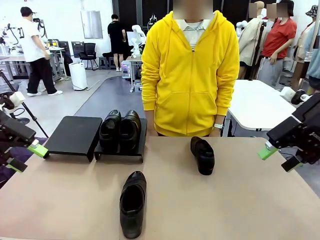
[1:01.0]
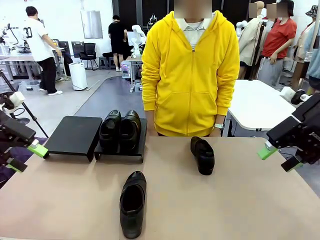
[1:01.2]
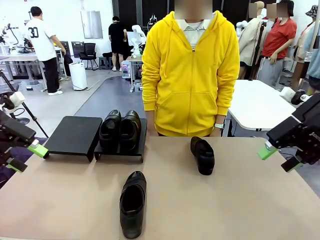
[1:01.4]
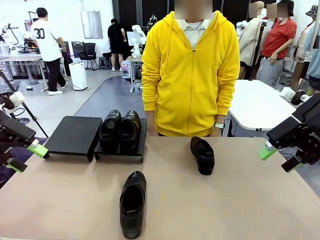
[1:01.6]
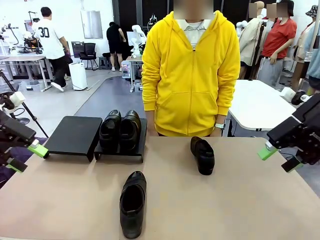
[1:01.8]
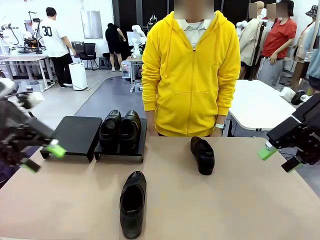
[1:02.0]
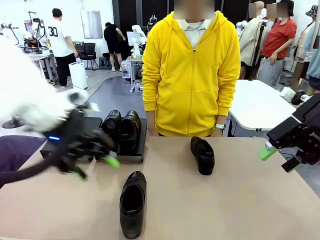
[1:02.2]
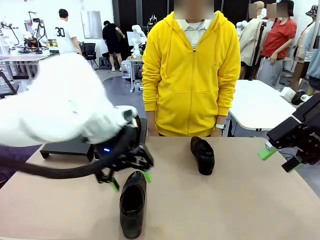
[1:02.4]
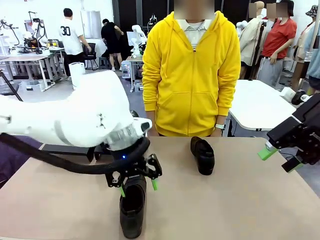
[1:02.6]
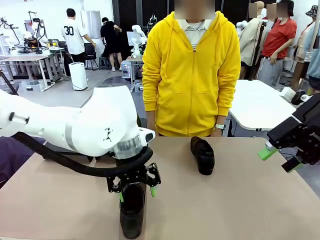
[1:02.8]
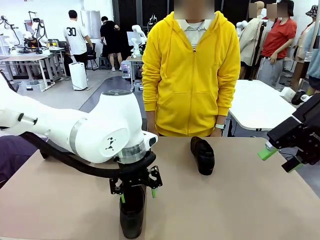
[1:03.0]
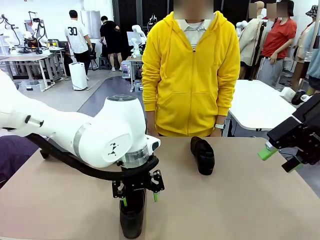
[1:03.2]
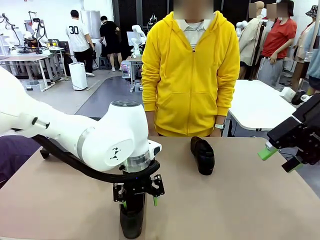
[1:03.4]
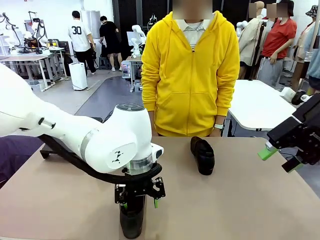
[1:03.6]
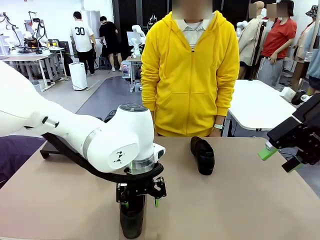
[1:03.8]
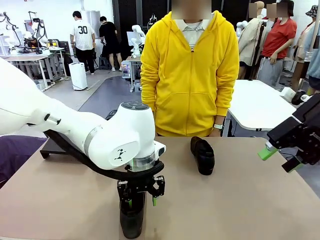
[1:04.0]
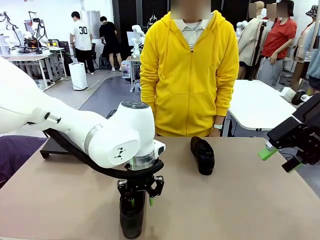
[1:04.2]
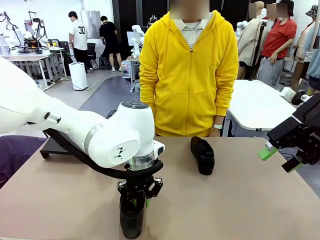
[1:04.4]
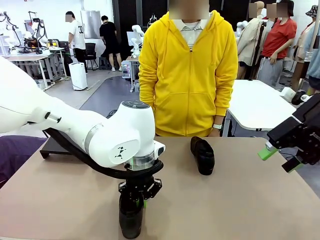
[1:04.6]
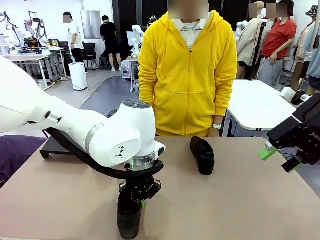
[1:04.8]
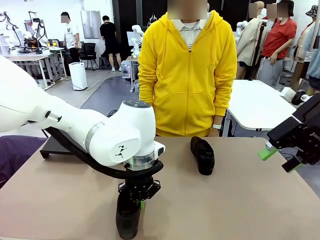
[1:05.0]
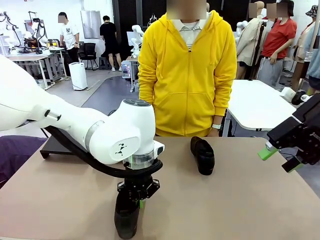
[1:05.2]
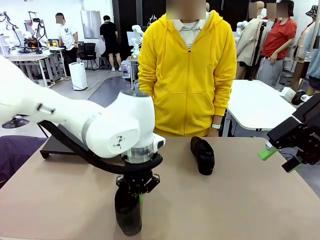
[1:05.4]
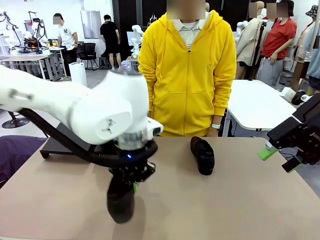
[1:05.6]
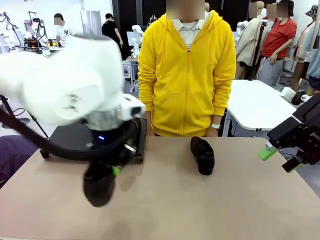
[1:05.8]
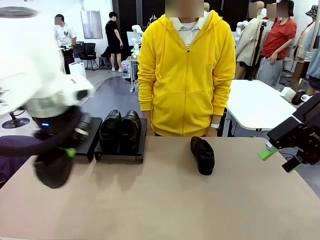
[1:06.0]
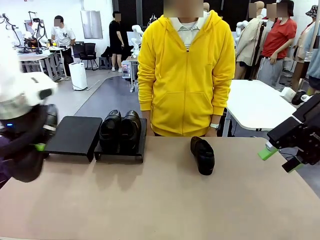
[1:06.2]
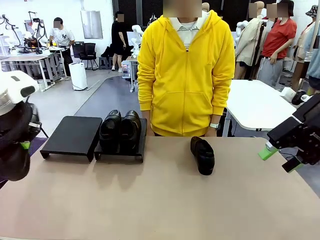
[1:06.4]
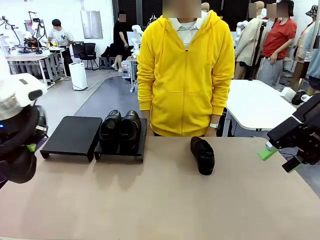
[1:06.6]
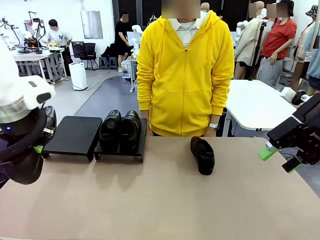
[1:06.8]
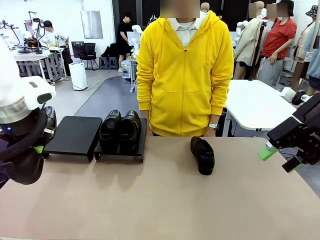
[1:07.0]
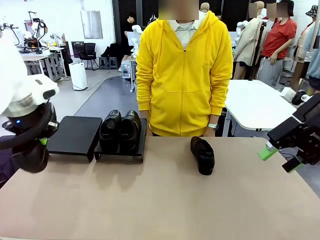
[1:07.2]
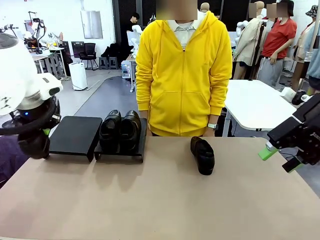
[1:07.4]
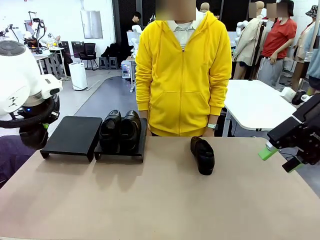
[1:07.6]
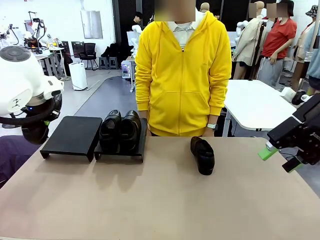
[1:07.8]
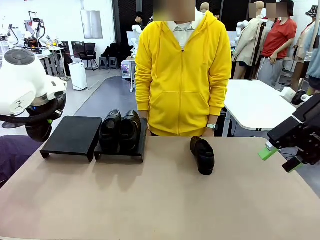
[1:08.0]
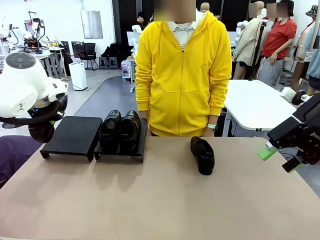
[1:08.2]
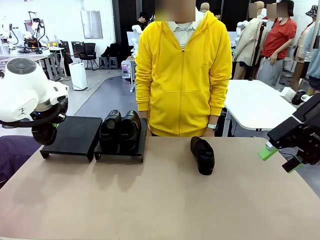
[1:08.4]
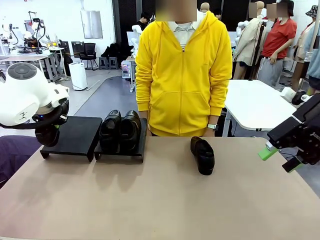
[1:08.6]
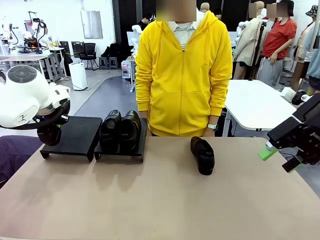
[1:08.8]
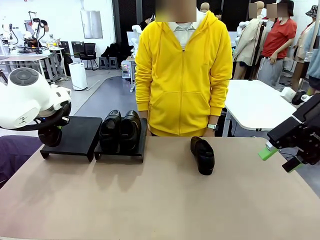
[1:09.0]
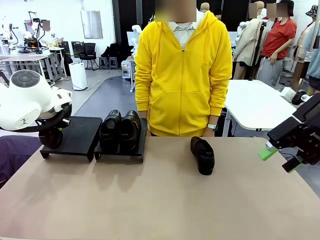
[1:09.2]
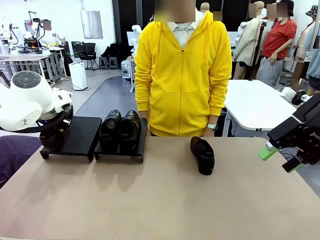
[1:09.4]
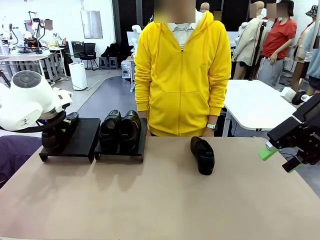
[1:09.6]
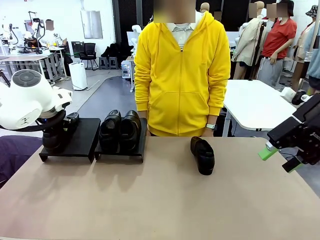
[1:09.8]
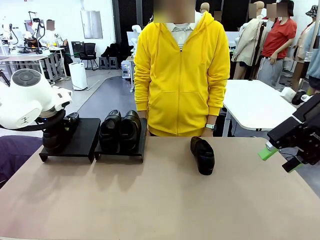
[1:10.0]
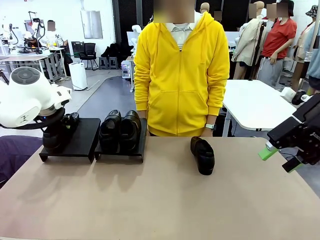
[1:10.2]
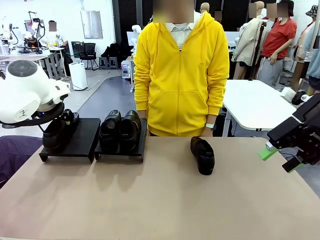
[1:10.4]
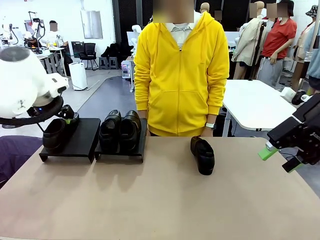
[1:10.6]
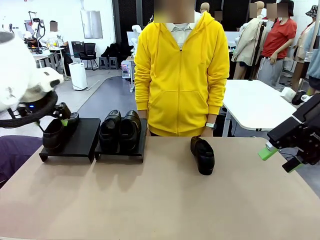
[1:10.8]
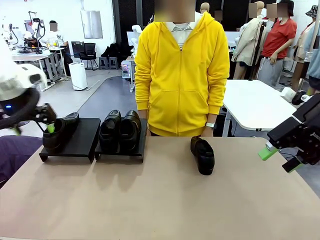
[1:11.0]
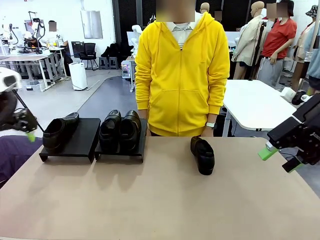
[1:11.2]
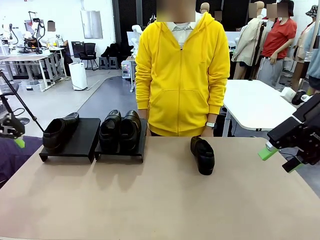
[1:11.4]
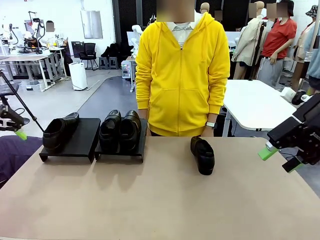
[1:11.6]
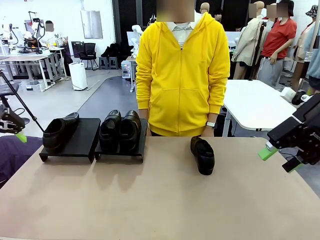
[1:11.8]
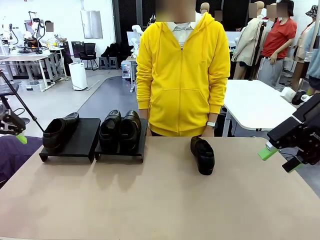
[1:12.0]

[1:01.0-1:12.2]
Task: Organize the shoes by placing them on the stand.
Robot: Place the Shoe from the middle of the table onto the Shoes Stand.

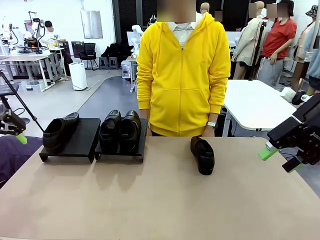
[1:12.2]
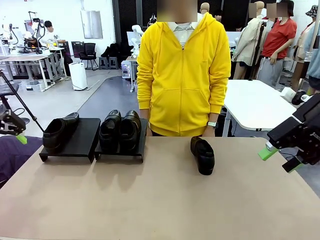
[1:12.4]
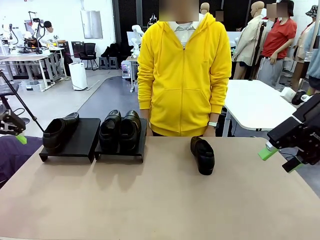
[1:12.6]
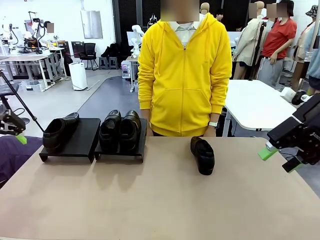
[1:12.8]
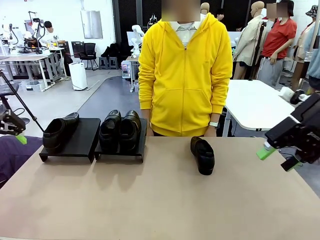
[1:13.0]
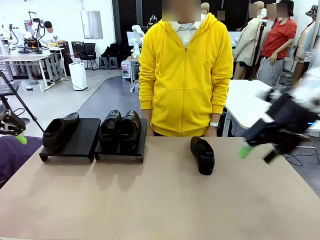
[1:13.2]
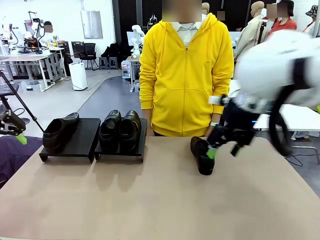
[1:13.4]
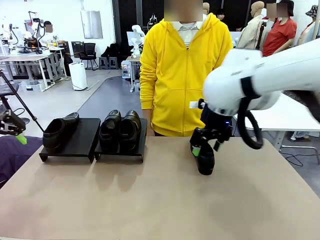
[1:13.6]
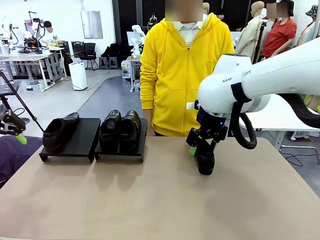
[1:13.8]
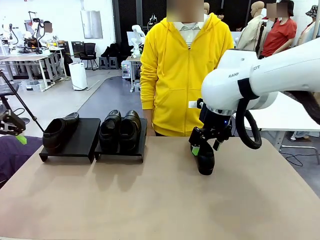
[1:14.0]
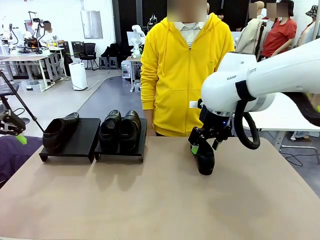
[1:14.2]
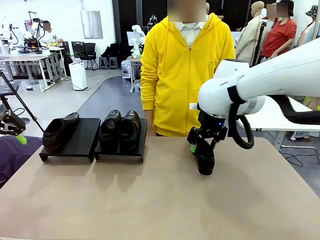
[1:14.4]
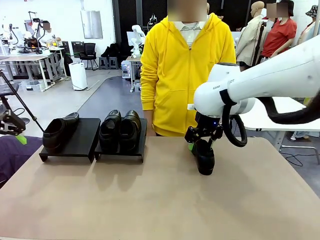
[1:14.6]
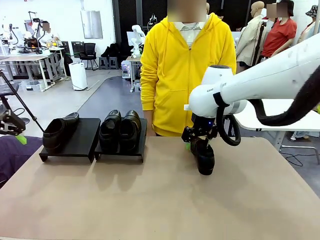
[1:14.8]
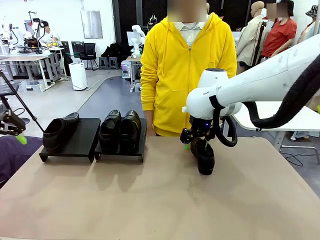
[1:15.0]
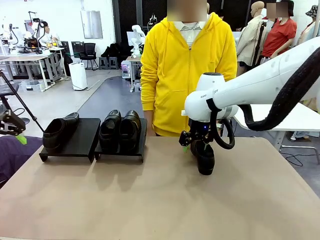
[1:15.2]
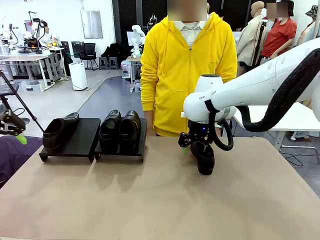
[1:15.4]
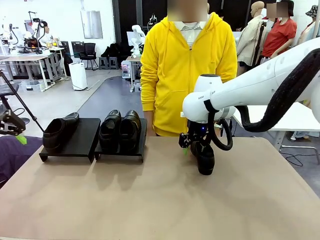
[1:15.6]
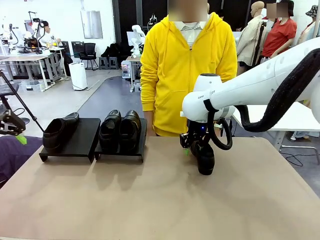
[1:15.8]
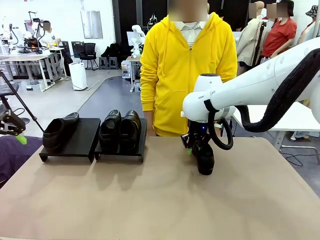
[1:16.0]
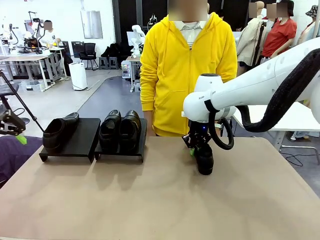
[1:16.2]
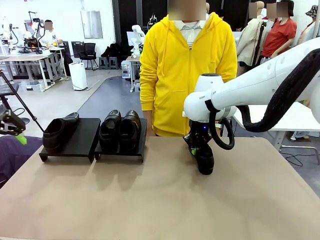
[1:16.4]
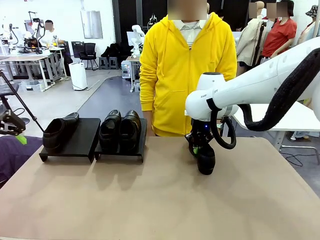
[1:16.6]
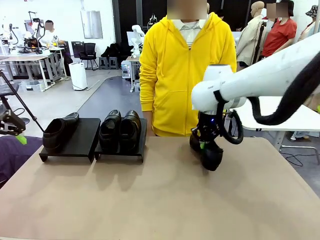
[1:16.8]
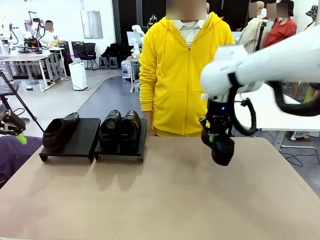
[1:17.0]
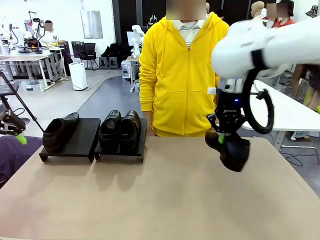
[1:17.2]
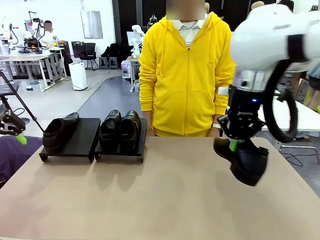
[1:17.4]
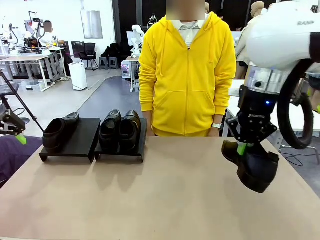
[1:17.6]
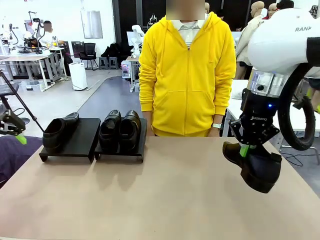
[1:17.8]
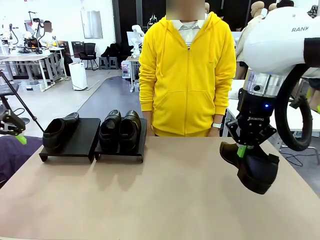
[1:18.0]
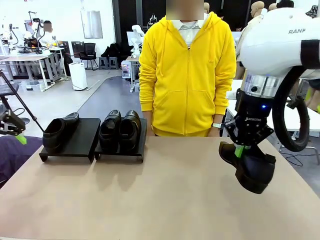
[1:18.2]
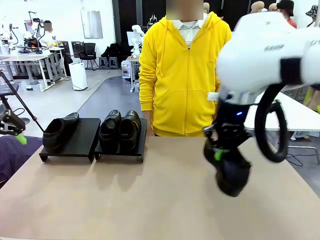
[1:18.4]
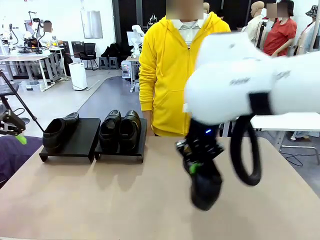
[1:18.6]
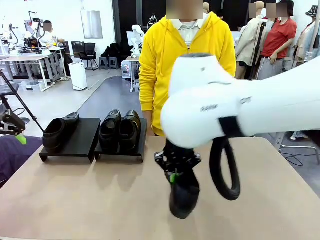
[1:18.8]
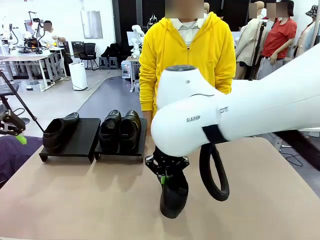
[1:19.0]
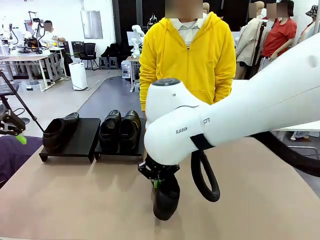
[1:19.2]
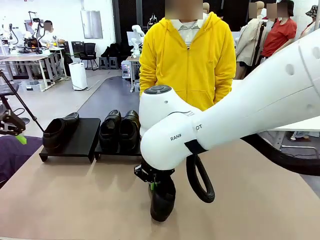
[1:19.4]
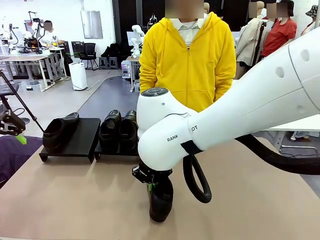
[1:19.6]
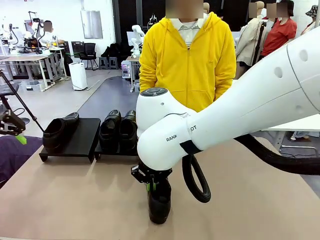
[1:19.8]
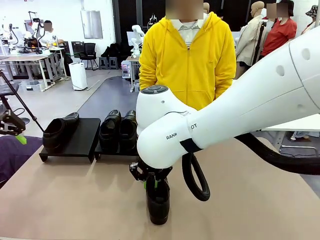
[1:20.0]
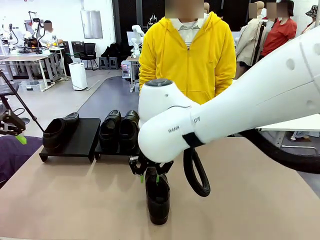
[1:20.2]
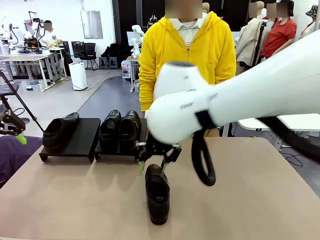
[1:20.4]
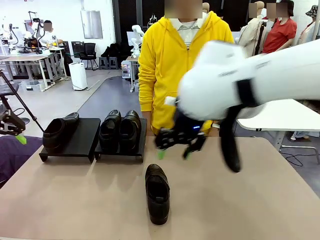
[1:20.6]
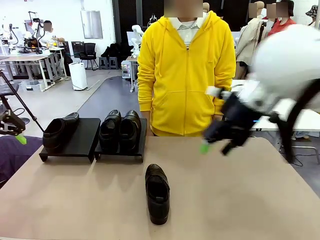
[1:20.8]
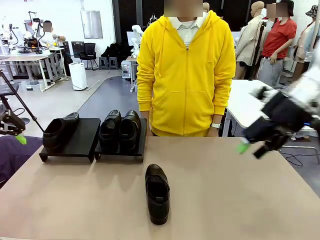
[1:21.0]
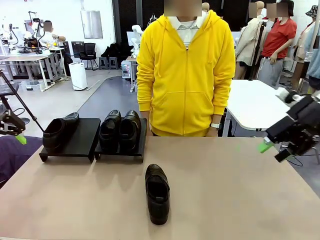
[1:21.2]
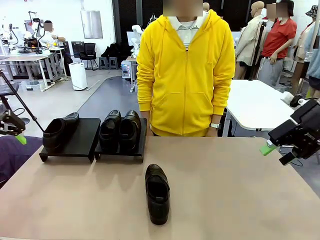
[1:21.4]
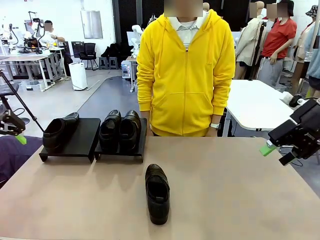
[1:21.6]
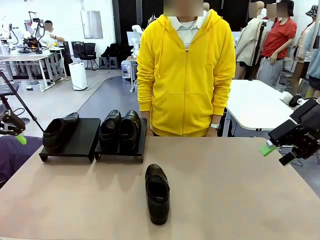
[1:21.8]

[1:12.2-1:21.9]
Robot: Pick up one Shoe and place it in the middle of the table.
